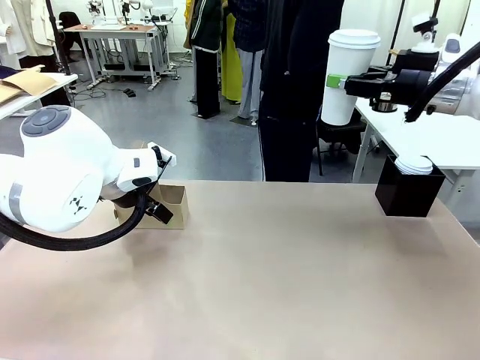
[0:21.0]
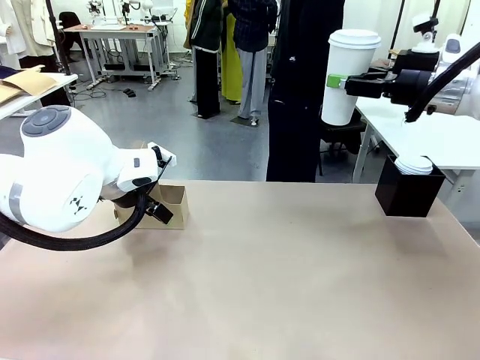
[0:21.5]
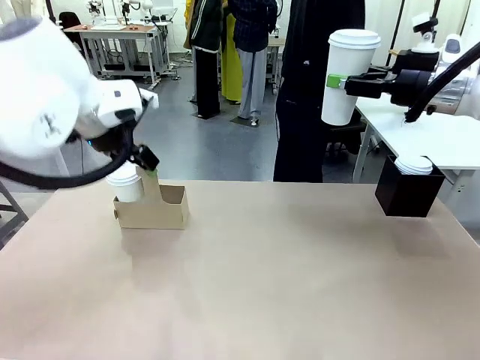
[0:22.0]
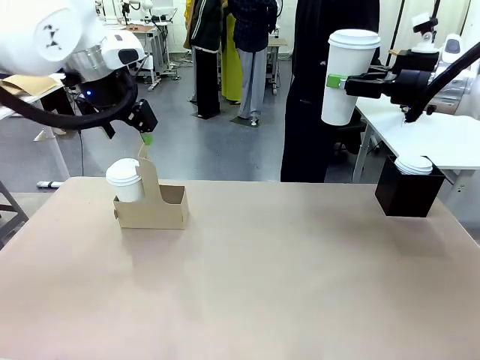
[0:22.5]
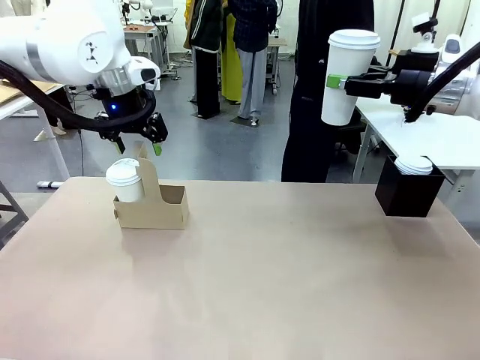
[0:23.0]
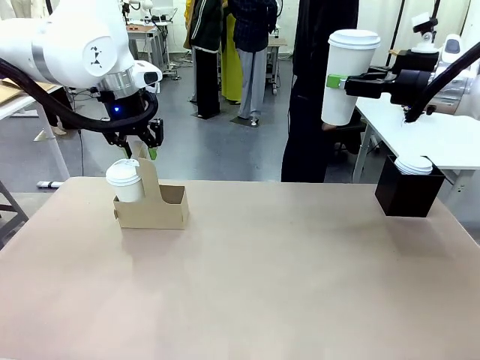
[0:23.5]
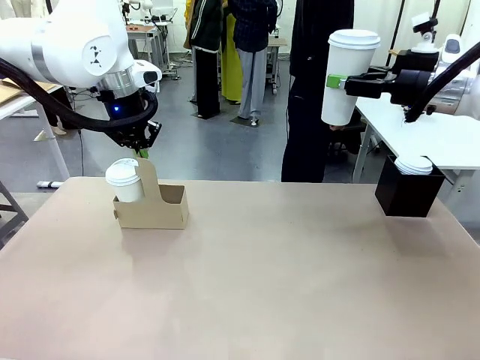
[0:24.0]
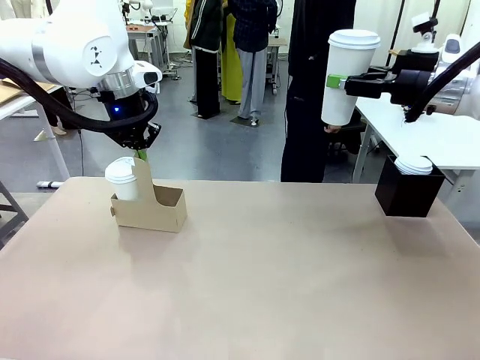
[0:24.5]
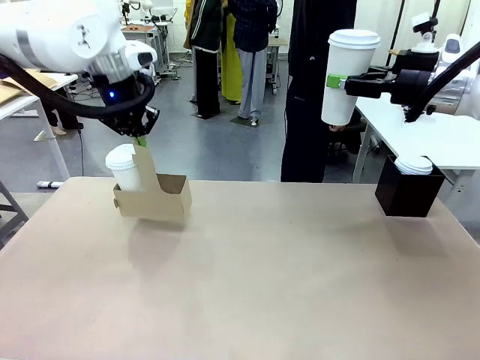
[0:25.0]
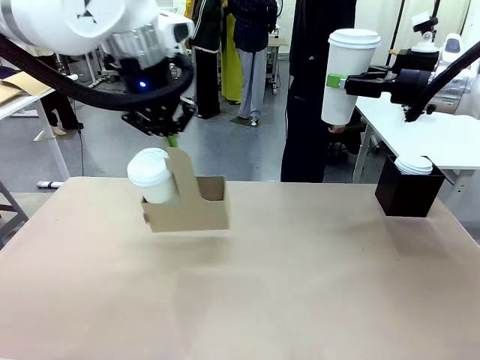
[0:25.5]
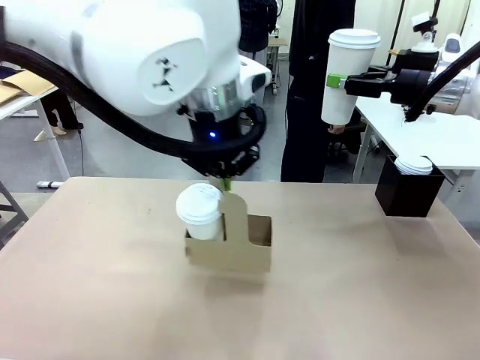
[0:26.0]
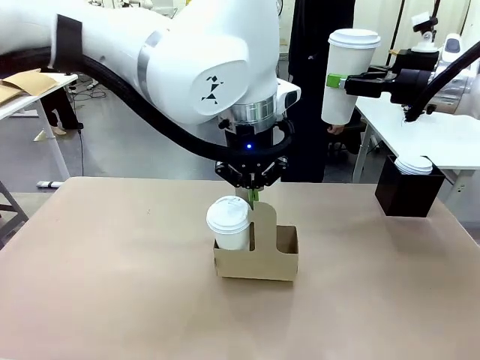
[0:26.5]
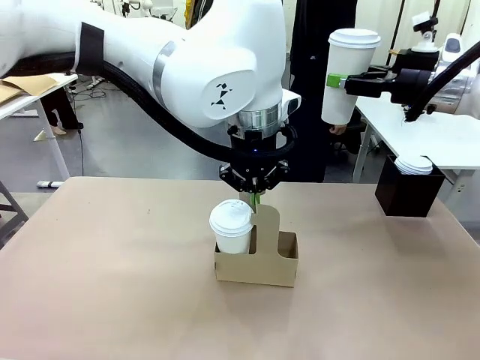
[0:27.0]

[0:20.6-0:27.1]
Task: Pour a drink into a cup and package it in a carrier.
Robot: Position the Cup Carrier in the center of the table.

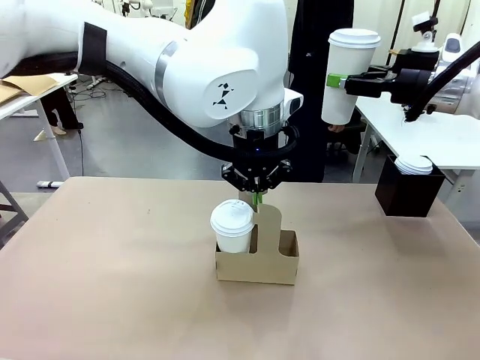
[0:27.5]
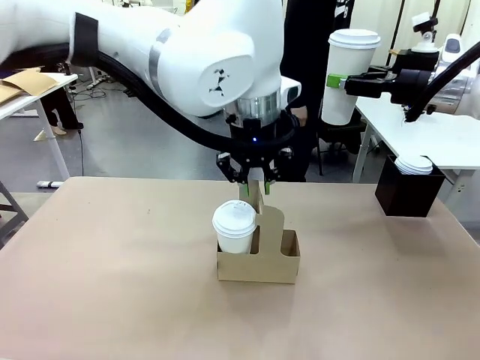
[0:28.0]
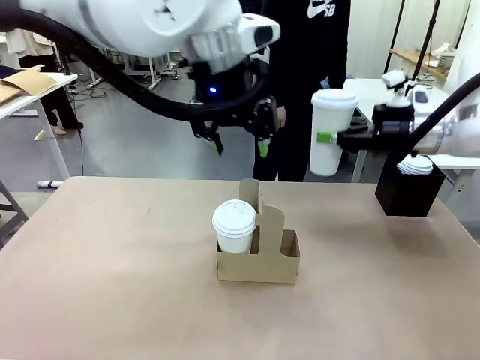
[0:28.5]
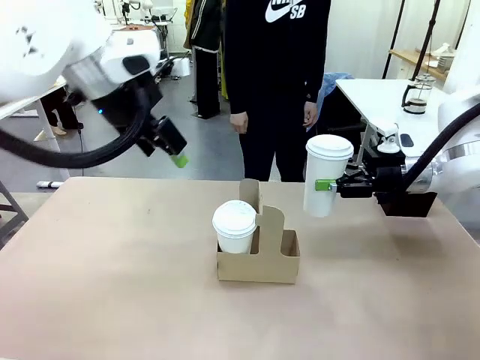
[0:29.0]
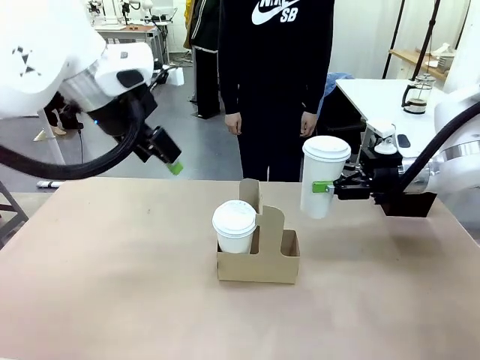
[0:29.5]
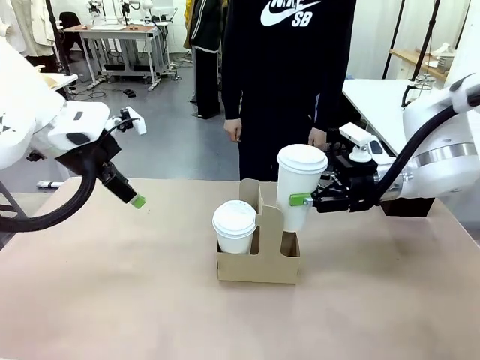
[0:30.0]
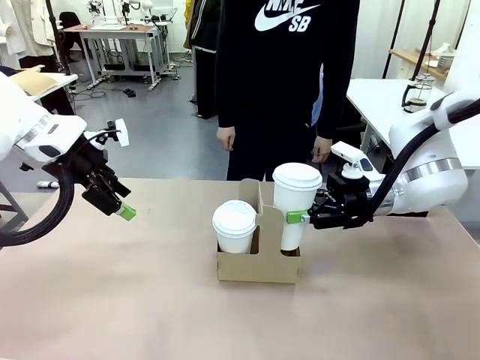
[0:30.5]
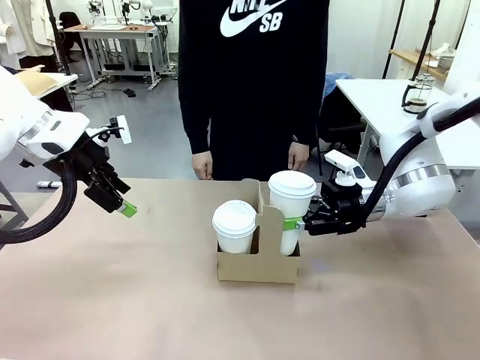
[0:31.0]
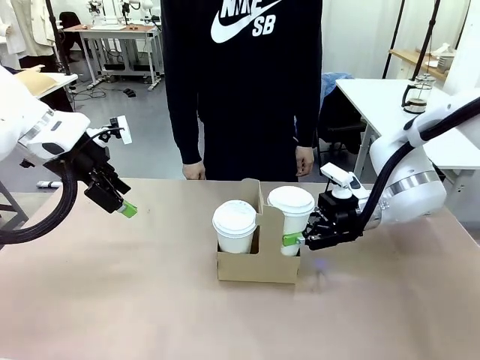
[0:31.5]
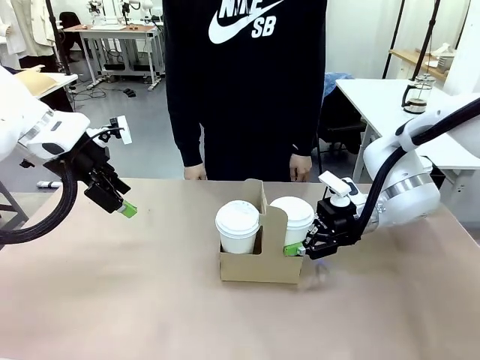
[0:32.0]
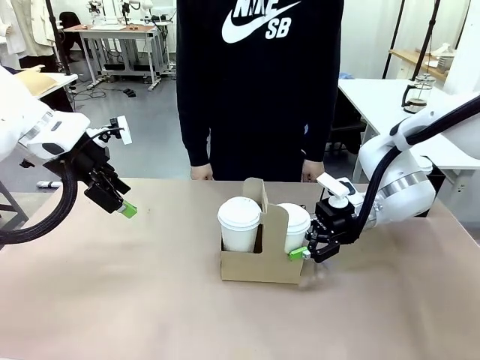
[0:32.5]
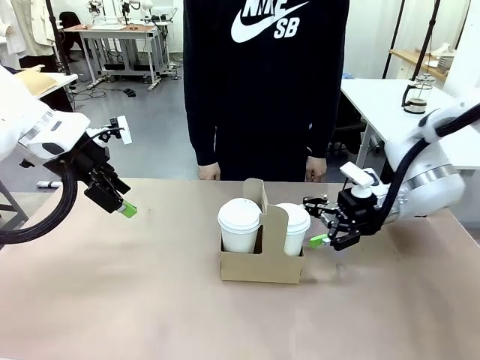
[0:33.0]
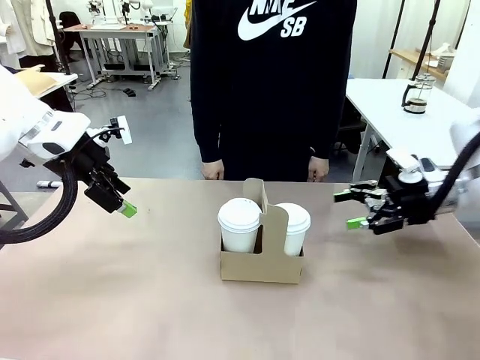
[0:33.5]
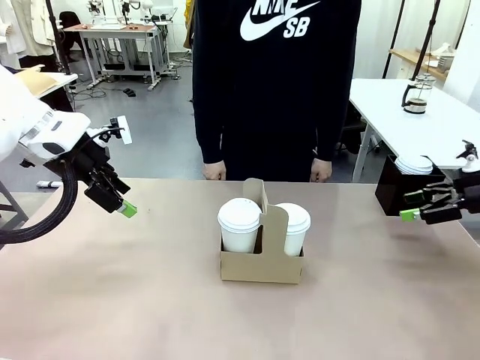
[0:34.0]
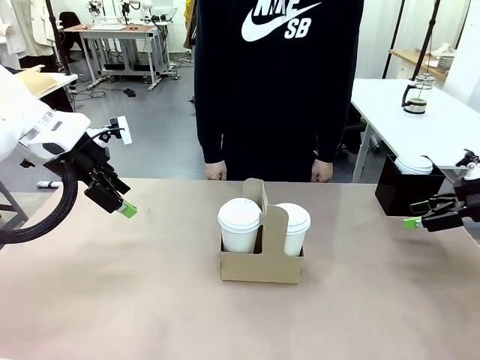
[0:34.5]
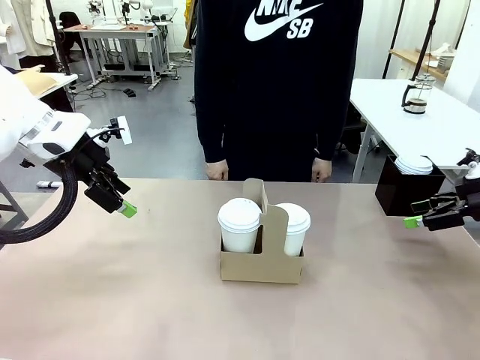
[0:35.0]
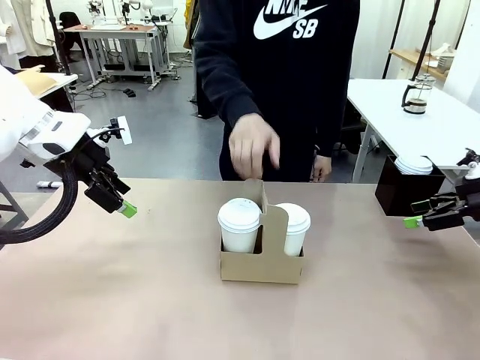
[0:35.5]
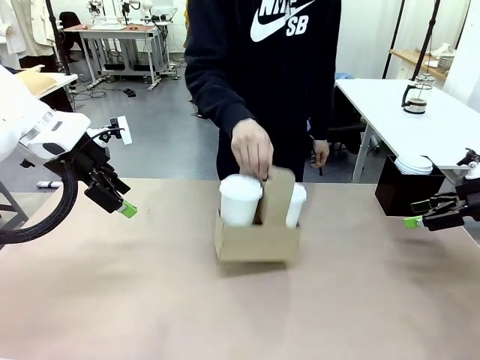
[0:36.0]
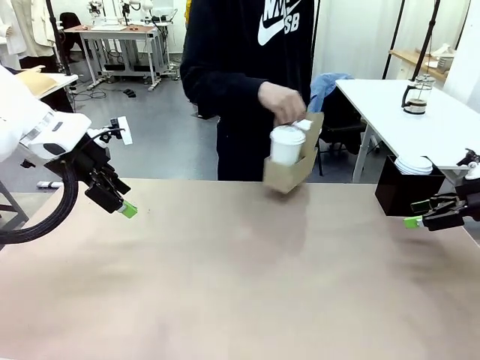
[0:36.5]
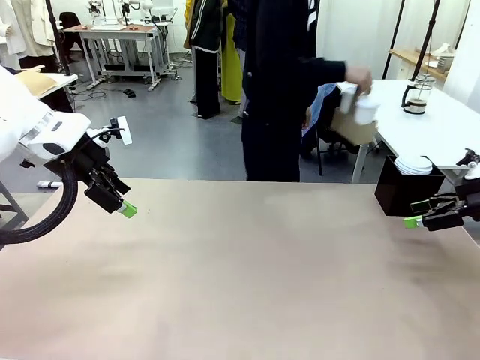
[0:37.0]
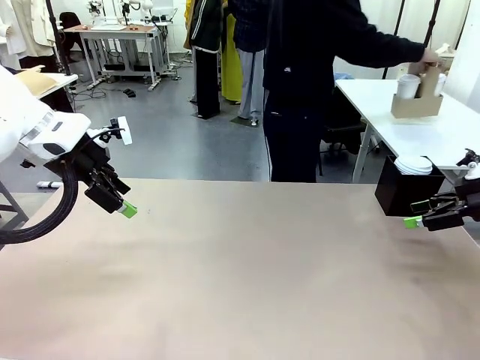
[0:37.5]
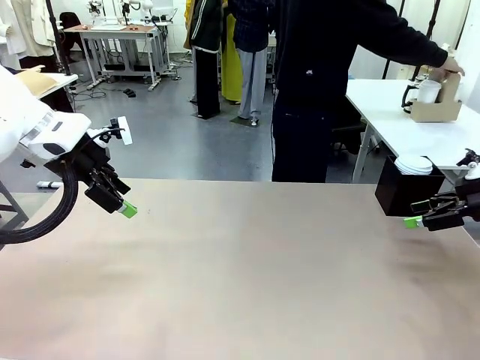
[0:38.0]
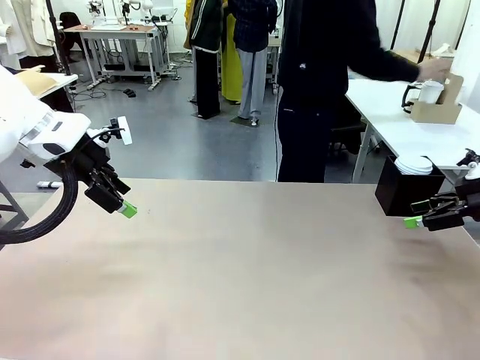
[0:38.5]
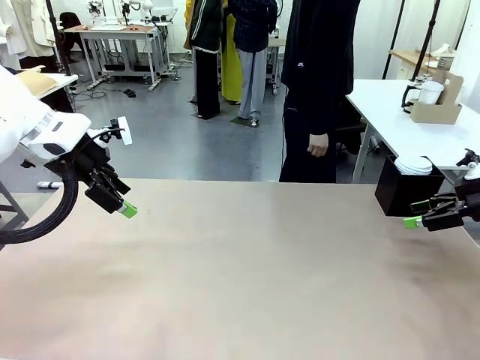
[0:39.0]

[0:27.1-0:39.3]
Robot: Insert the held 600 ml Paper Cup into the Cup Carrier.
Person: Place the Cup Carrier to the middle of Human table.

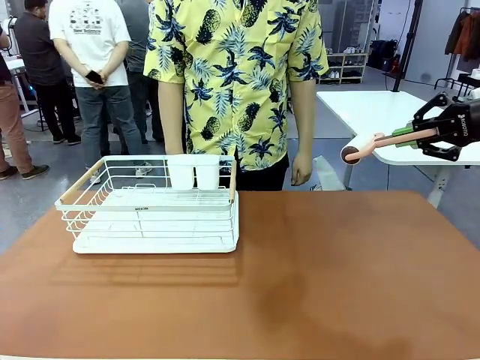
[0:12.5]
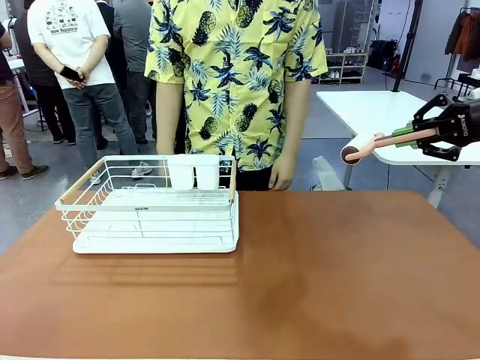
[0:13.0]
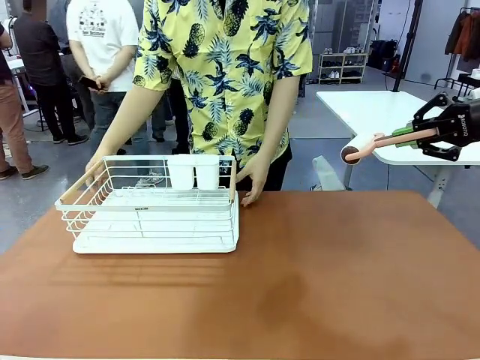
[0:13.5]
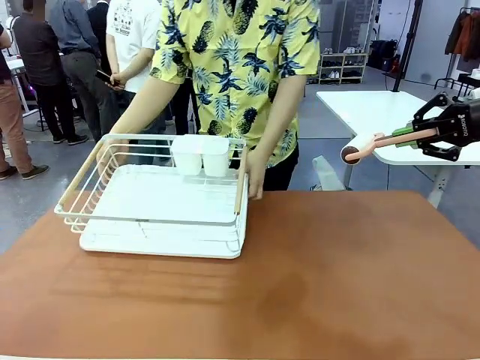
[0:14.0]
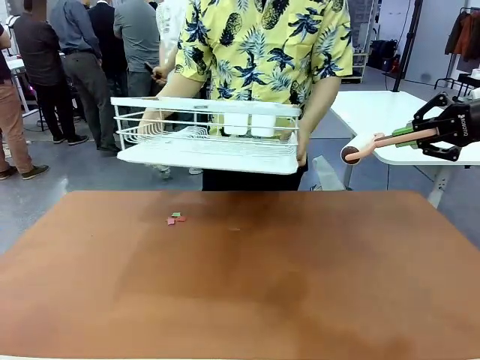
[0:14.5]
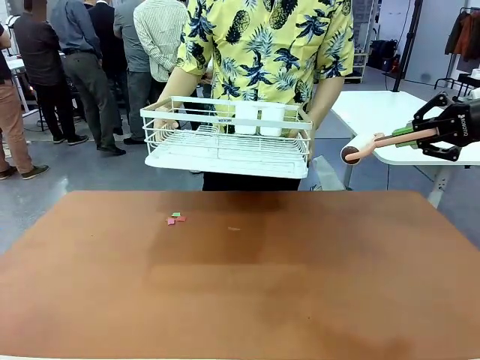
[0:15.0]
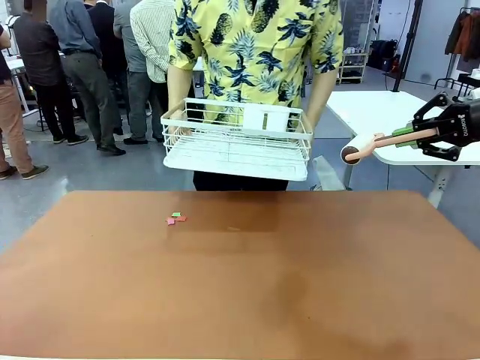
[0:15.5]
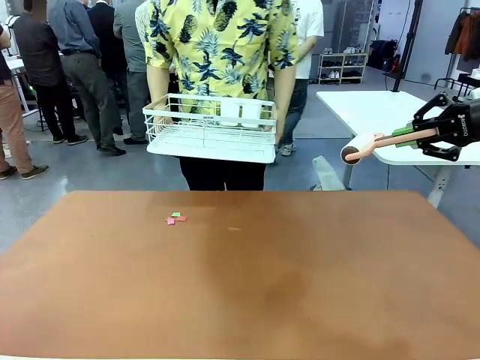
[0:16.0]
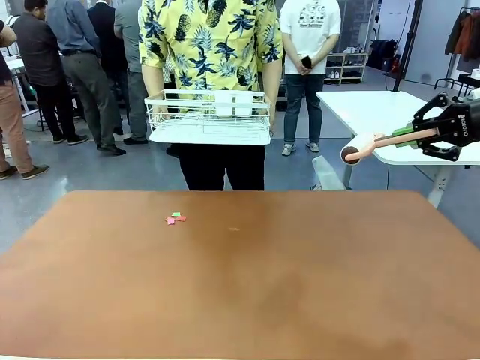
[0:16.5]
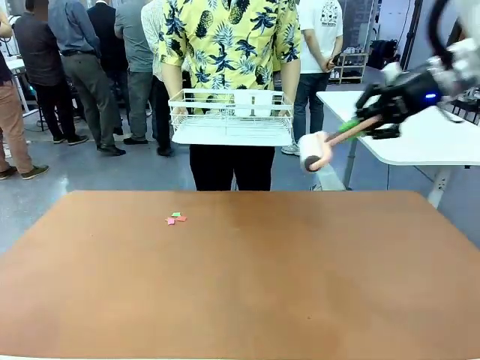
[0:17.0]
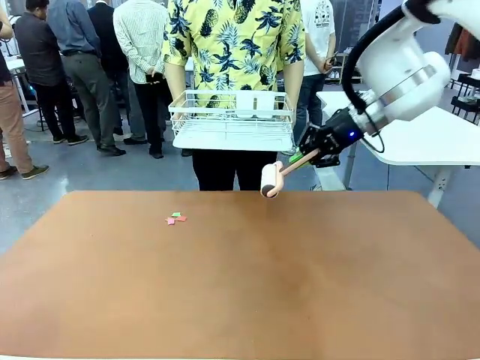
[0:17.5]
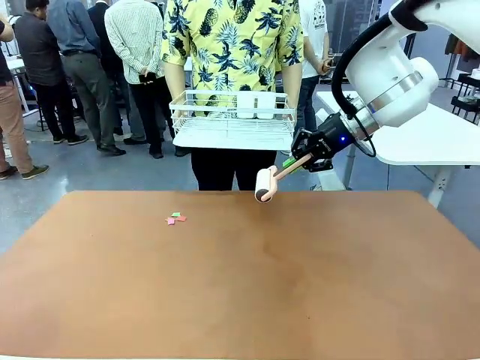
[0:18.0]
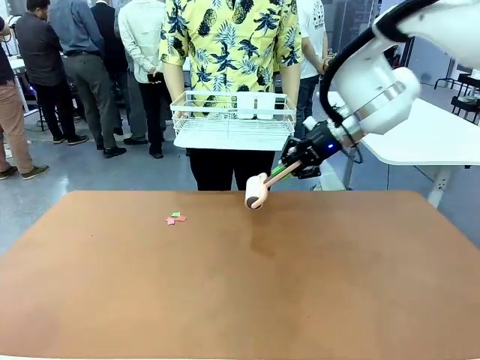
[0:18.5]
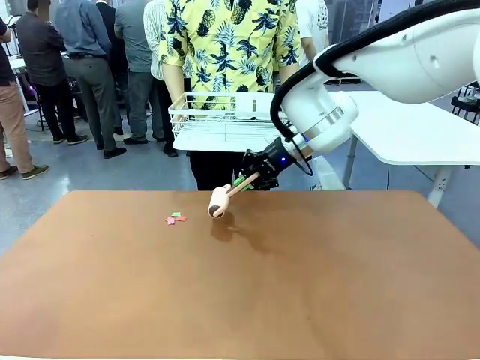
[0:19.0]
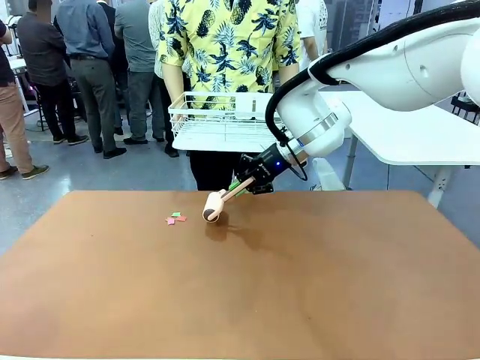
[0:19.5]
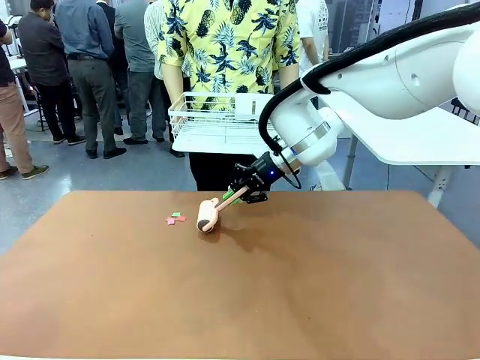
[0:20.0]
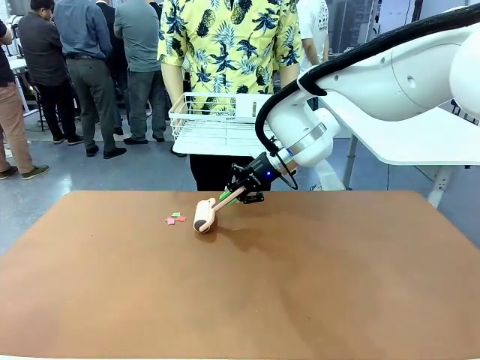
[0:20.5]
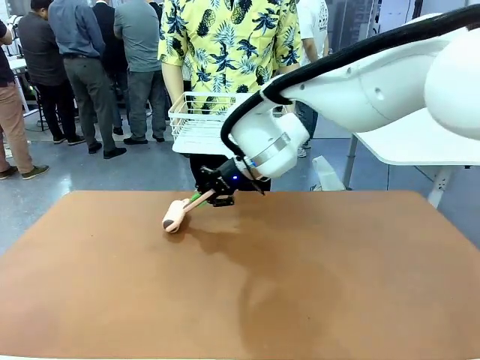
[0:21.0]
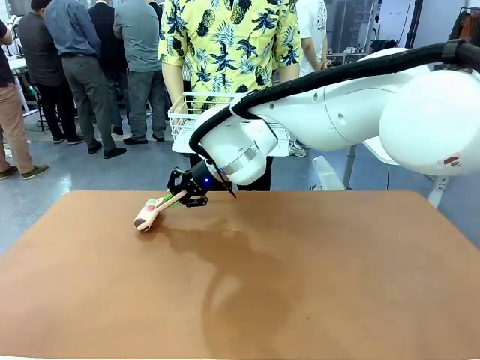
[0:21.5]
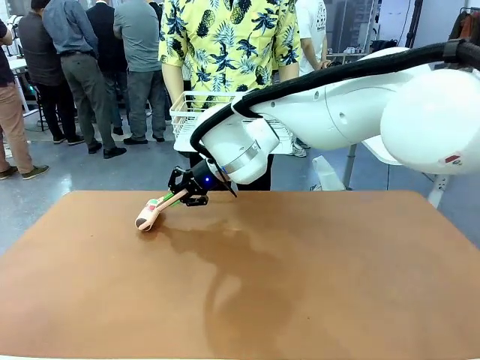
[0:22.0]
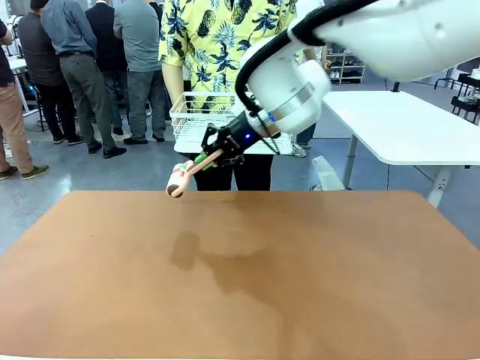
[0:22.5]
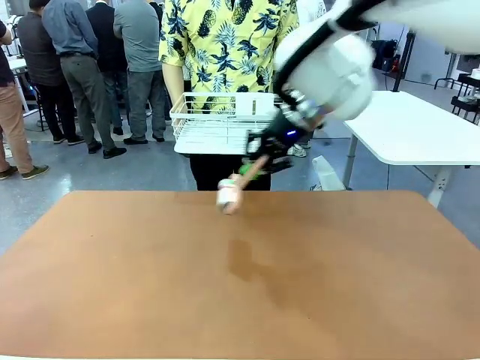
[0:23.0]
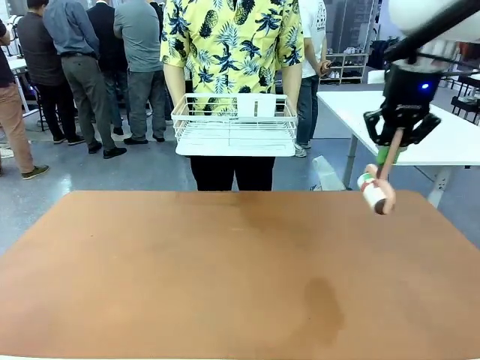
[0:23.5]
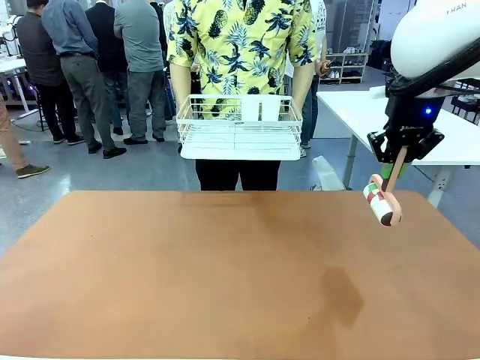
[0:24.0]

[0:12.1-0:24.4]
Task: Clean the table.
Robot: Clean the table with the Lint Roller when the human lifts the Dish drying rack.
Person: Place the Dish drying rack down when the robot finishes cleaning.
